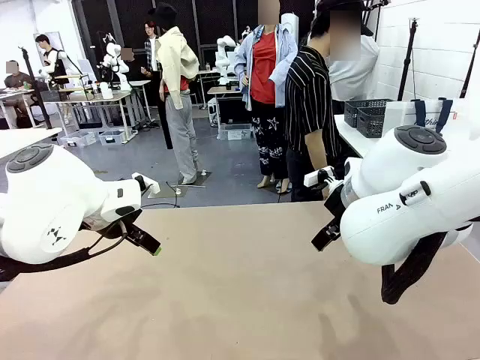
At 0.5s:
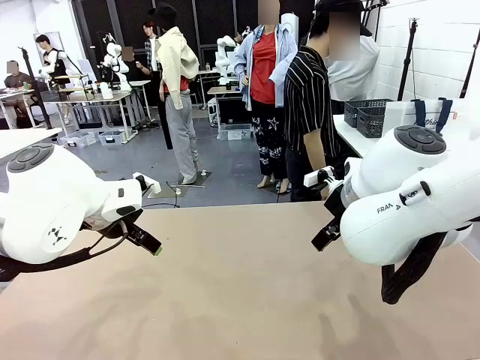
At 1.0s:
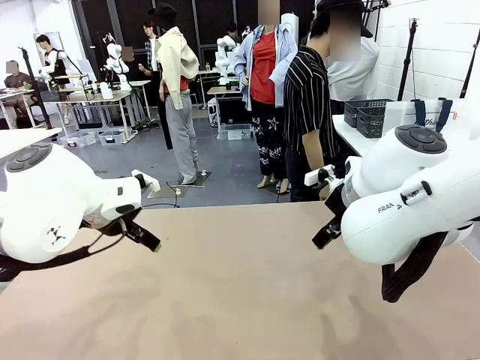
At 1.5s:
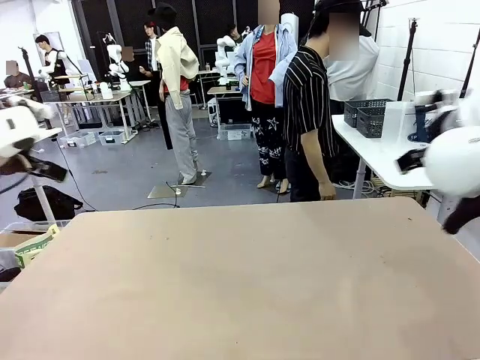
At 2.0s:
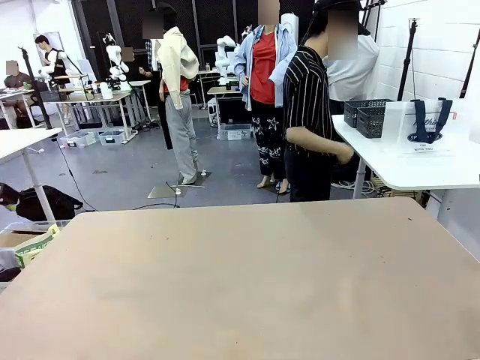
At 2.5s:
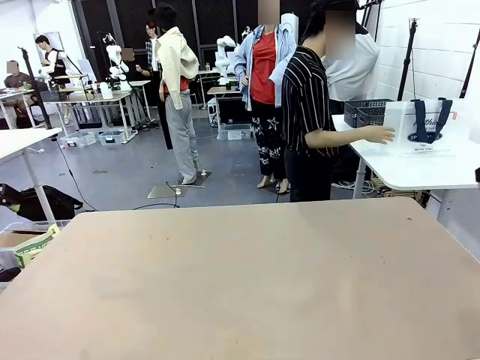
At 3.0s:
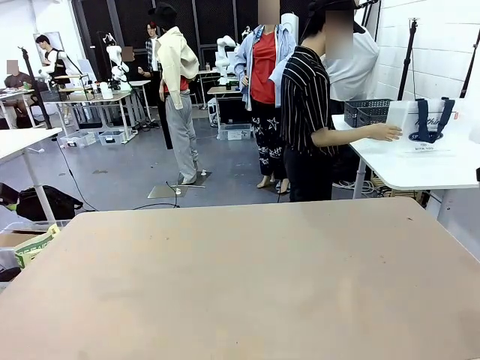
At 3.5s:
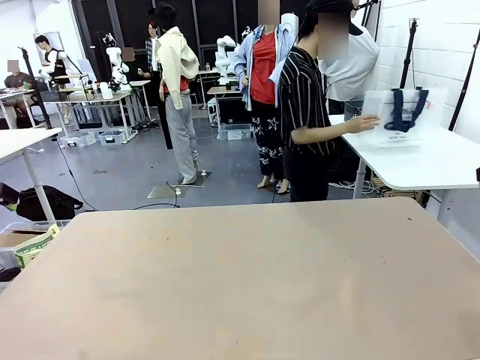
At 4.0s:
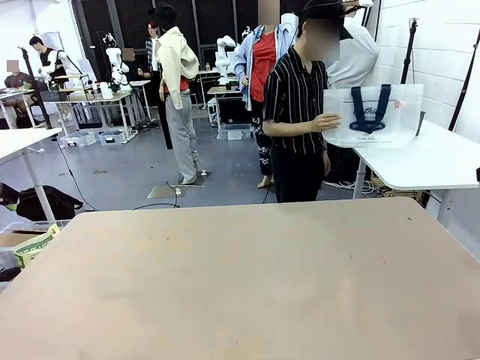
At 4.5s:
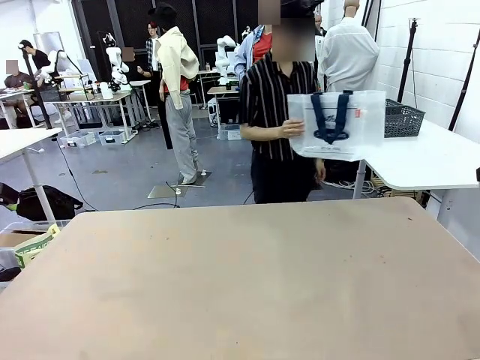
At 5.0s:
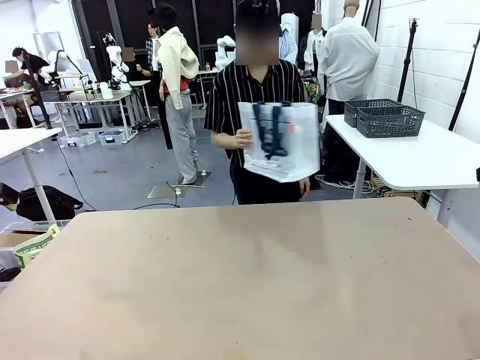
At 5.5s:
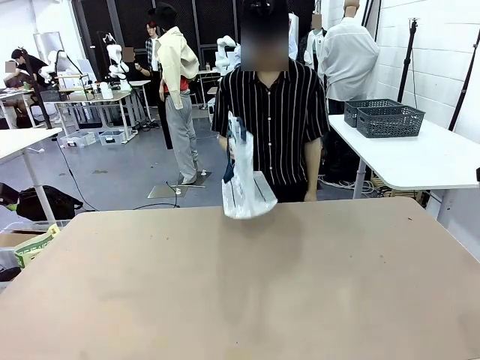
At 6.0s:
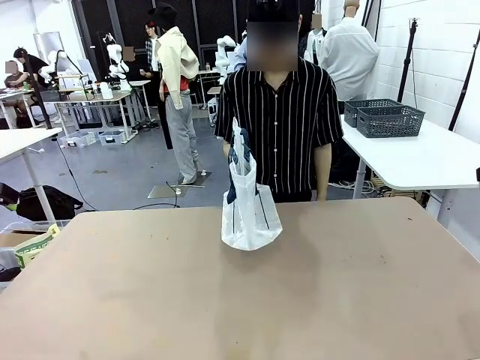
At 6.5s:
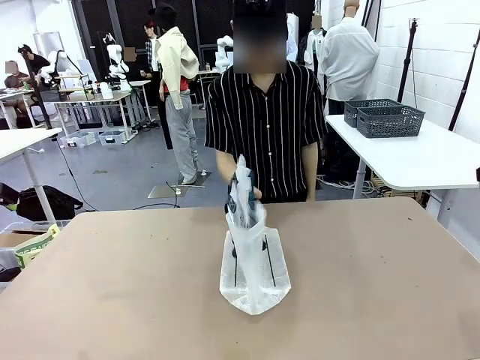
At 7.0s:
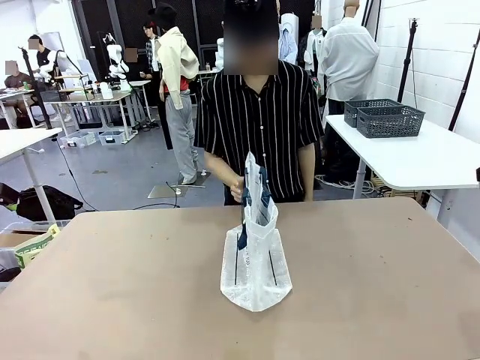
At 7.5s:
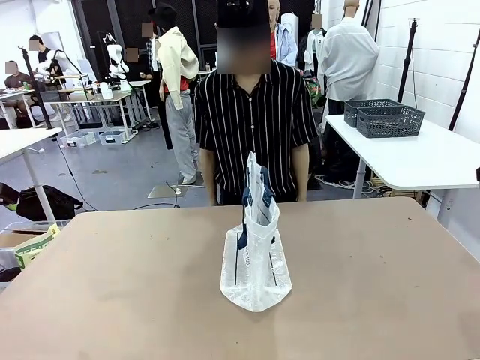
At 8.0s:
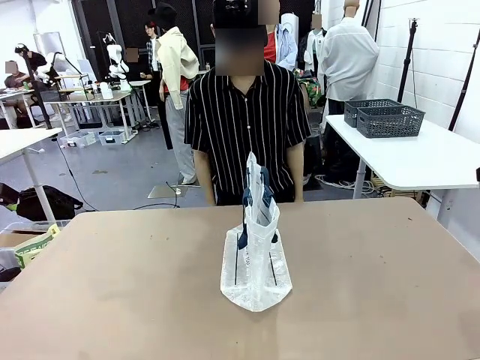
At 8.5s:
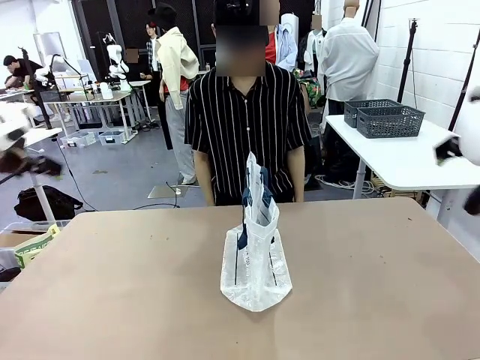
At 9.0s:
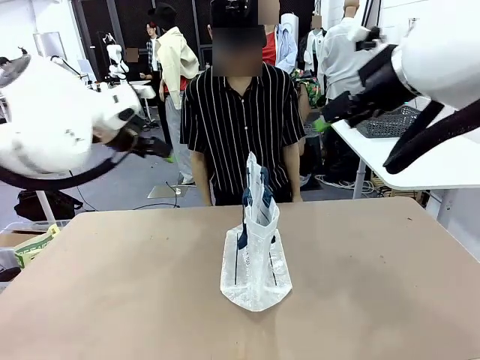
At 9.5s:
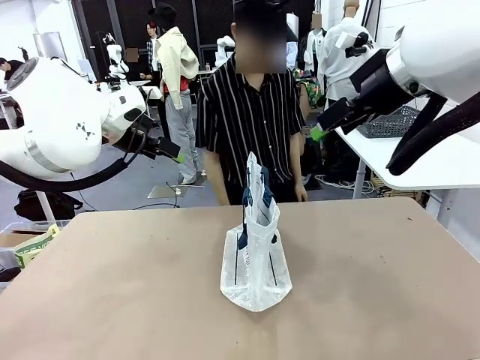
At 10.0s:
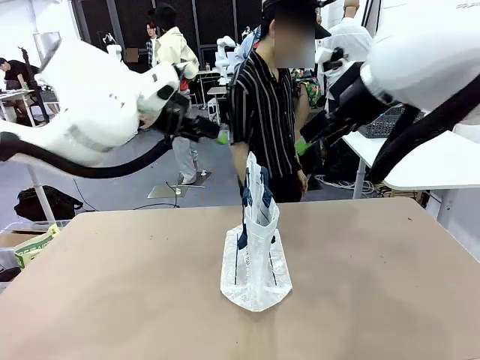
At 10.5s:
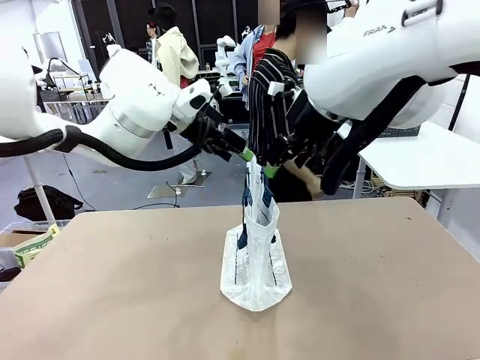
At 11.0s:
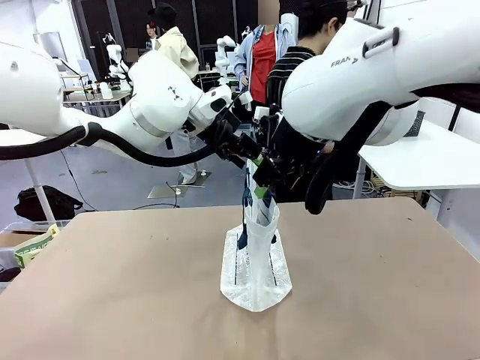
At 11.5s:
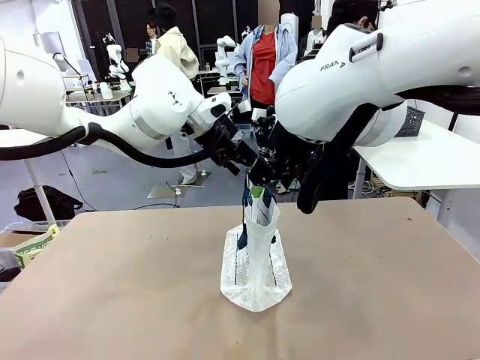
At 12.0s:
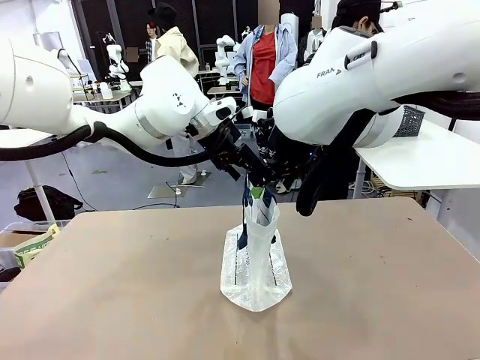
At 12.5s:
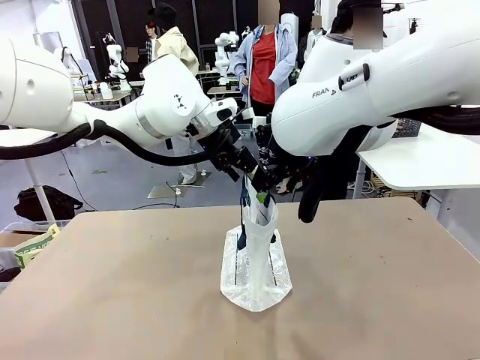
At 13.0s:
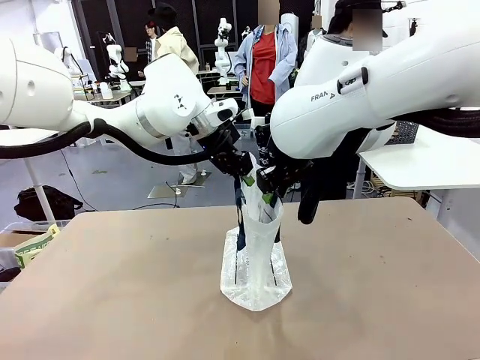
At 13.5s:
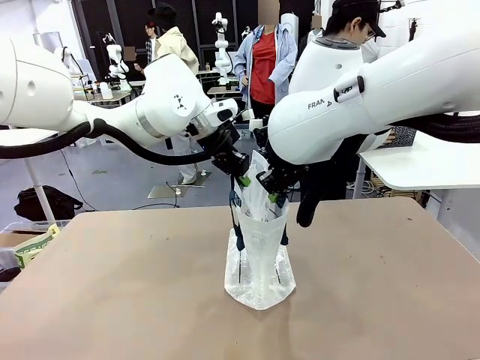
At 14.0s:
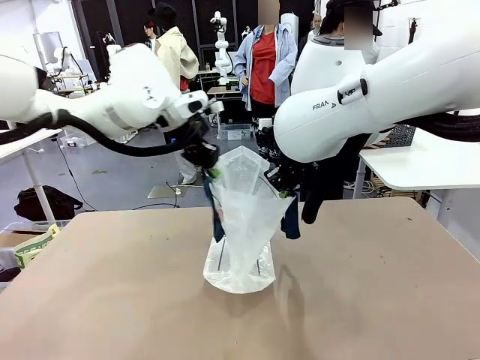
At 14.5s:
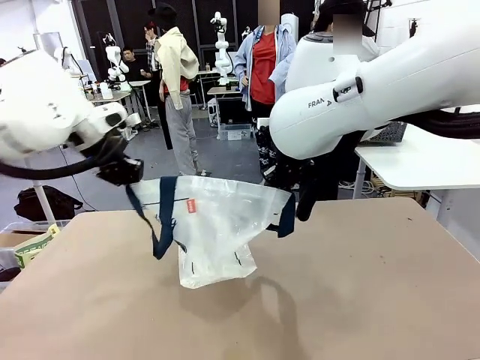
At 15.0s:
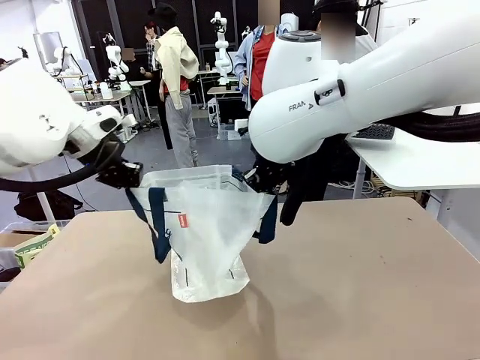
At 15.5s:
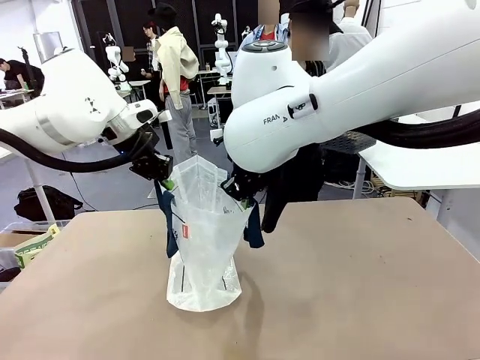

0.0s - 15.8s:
Task: Transfer purchased items from the store into the shopping bag.
Robot: Open the Reusable shopping bag in the center of the table.
Person: Pick up the shopping bag and place it in the middle of the robot table. Pick up the basket on the right, place it on the left side of the robot table, and move the items in the basket to the shopping bag.

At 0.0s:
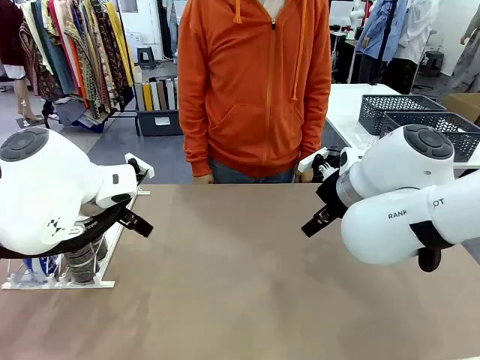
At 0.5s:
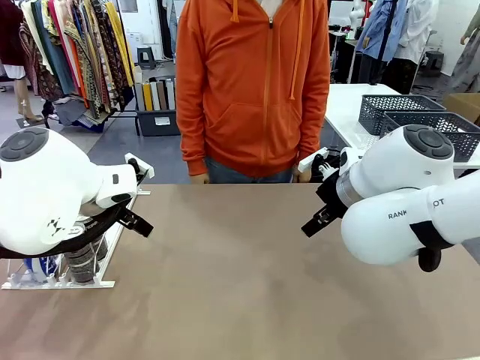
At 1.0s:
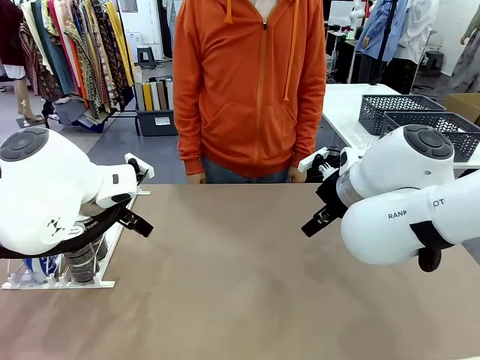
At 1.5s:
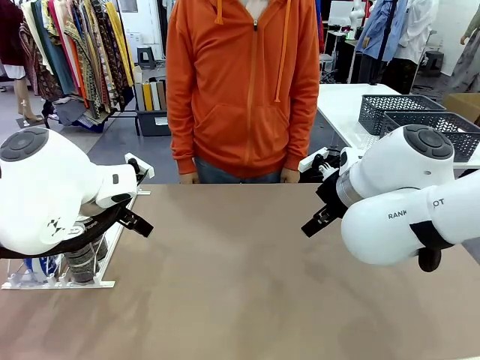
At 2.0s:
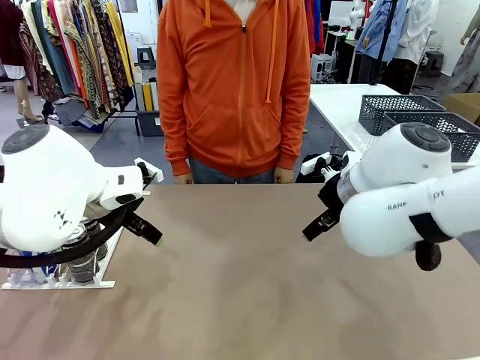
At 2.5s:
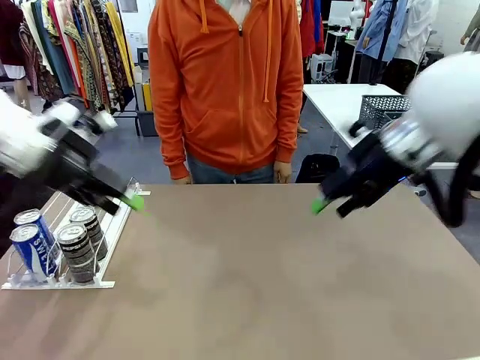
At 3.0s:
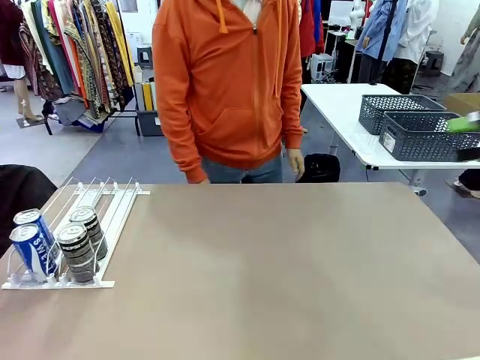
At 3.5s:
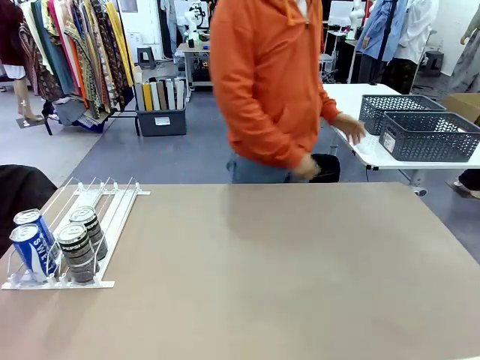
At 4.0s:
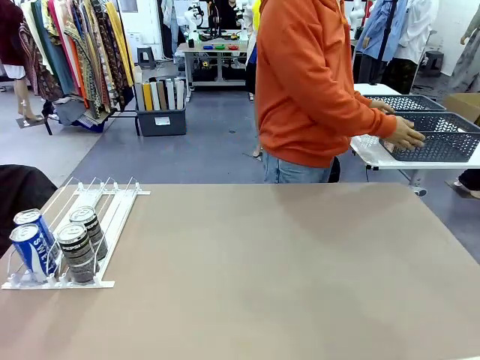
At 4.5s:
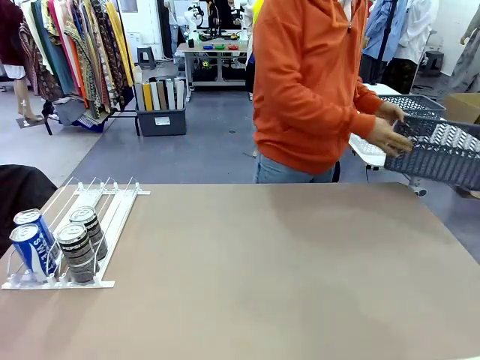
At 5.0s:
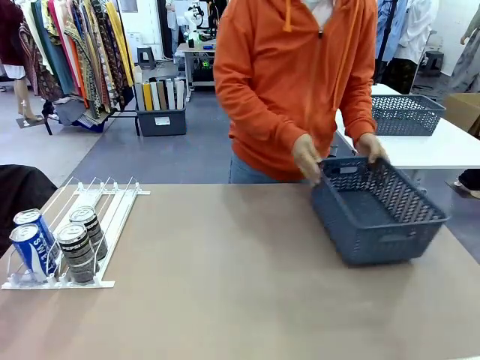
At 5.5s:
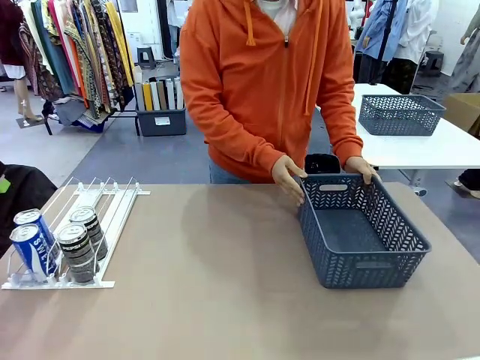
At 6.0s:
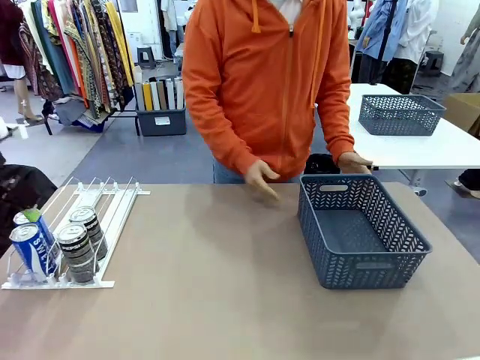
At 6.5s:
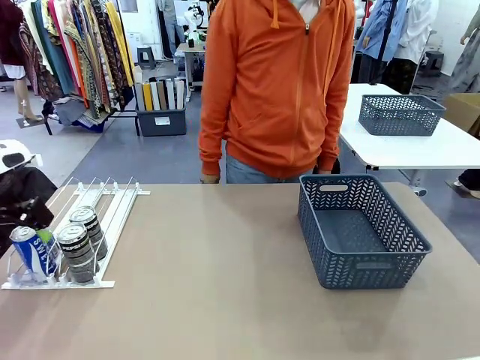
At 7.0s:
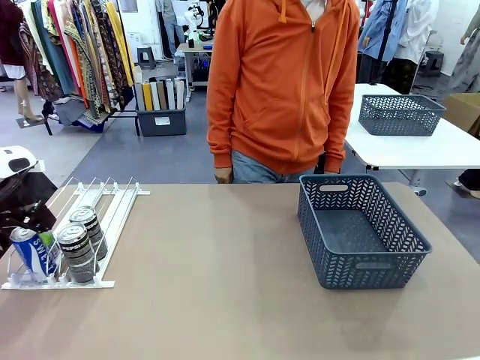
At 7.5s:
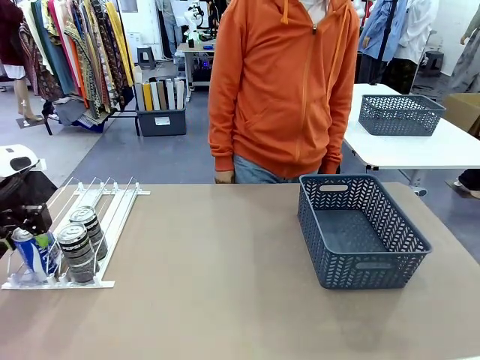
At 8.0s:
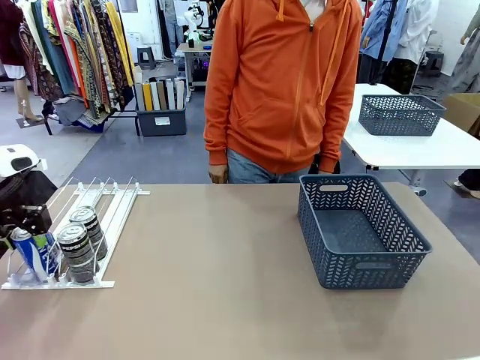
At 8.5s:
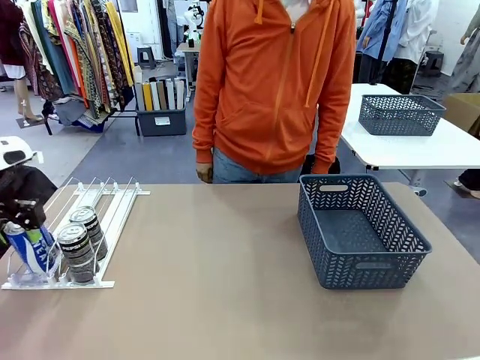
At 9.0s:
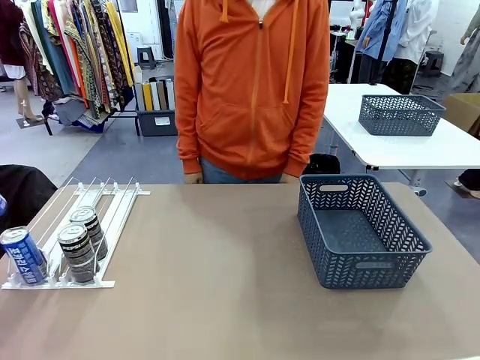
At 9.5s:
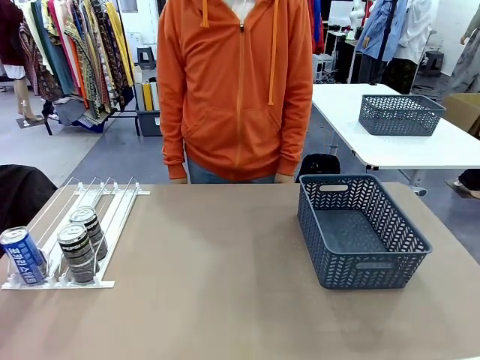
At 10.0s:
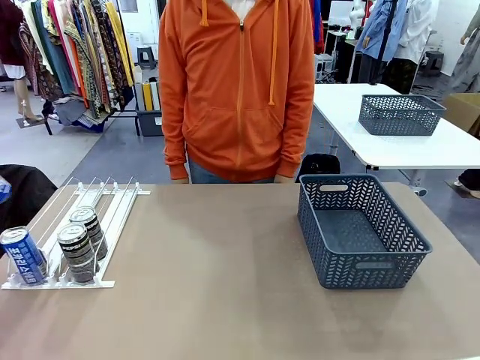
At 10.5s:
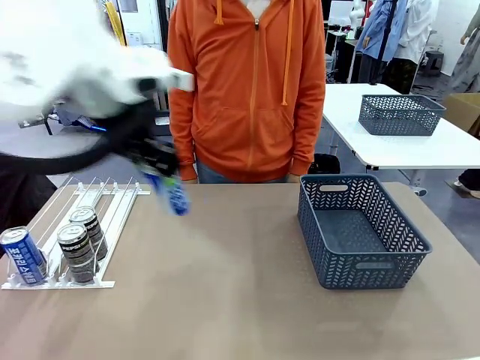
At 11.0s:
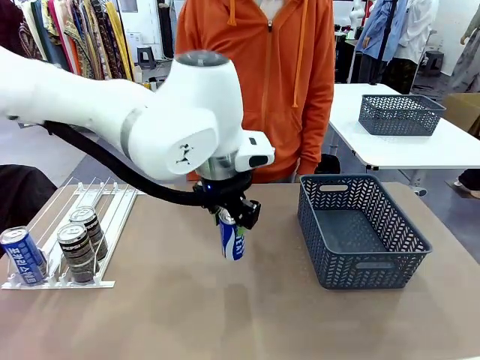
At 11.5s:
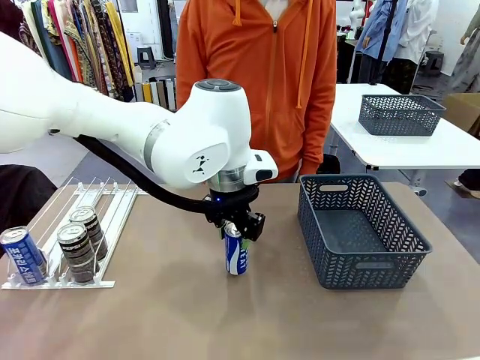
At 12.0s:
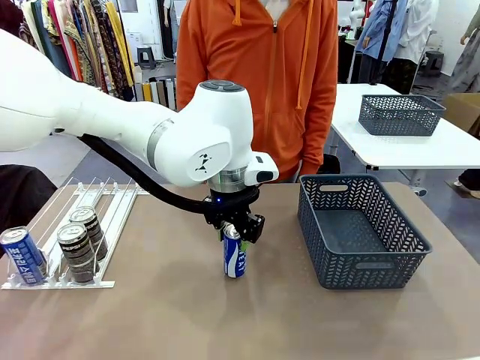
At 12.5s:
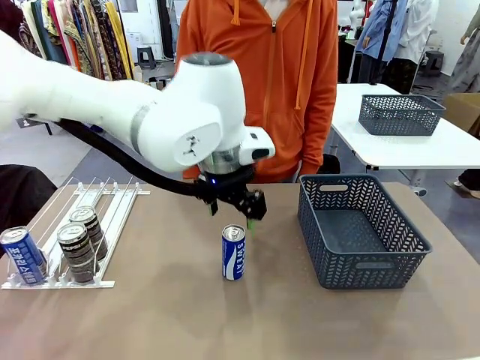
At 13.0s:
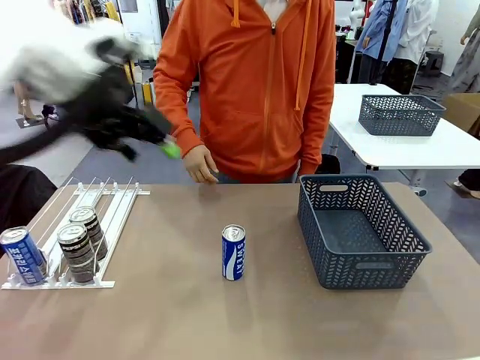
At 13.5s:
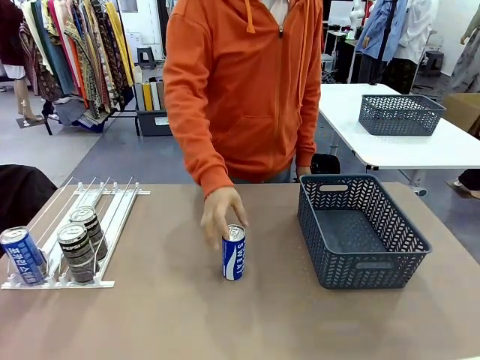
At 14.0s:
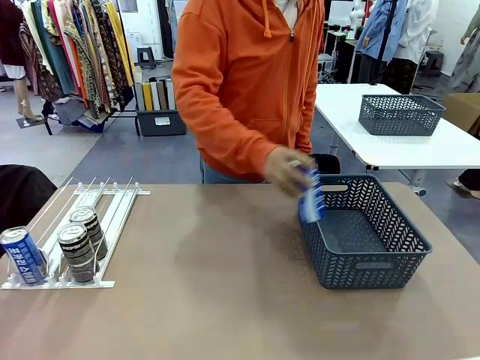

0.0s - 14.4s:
Task: Retrieve and store the cans from the dispenser.
Robot: Pick up one can from the Automatic Can Dispenser and place it in the middle of the table.
Person: Pick up the basket and place it on the left side of the robot table.
